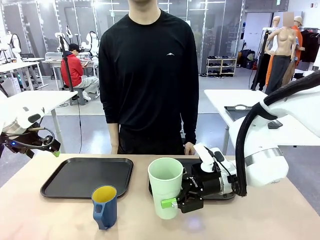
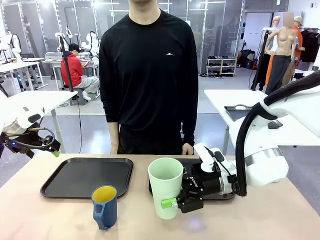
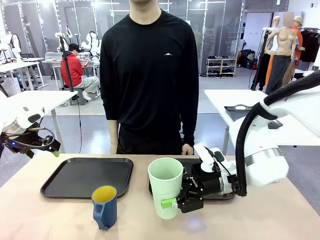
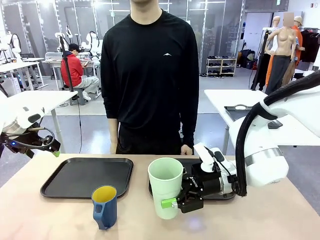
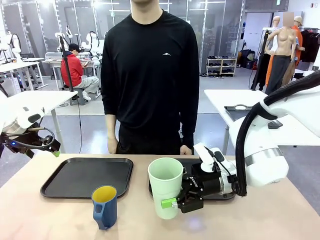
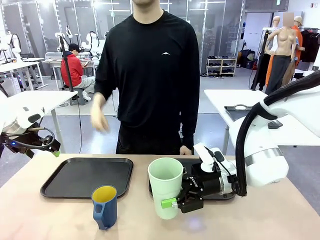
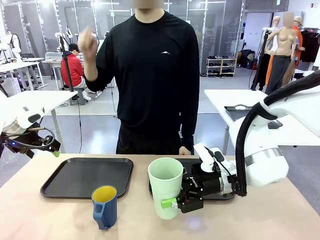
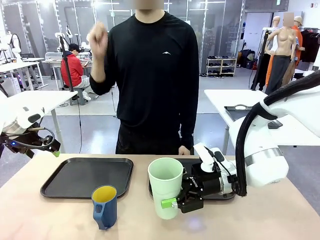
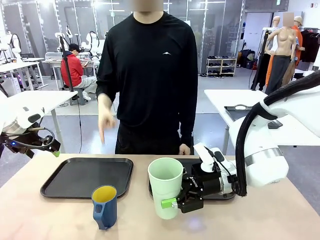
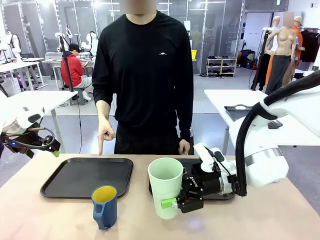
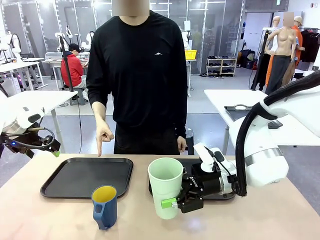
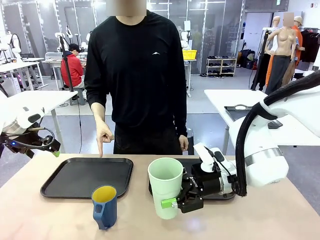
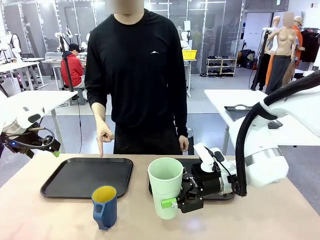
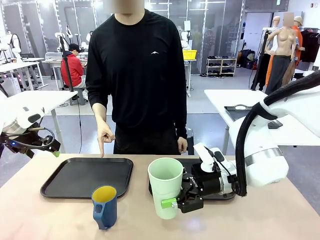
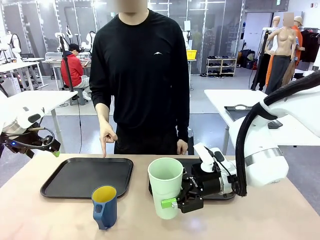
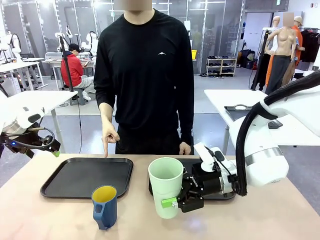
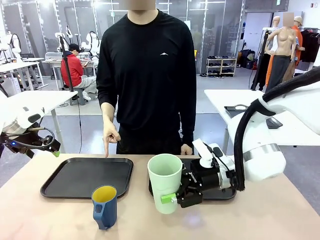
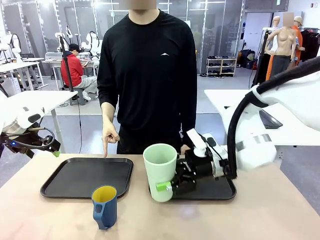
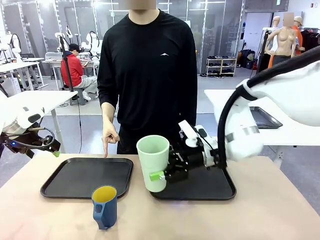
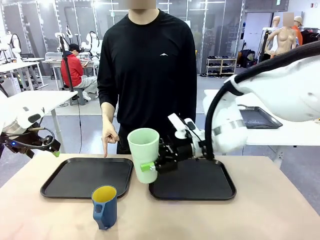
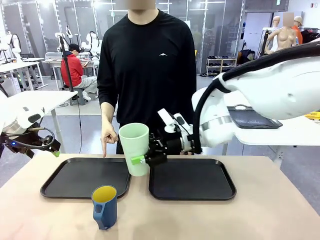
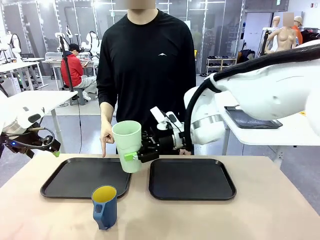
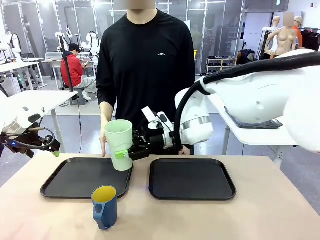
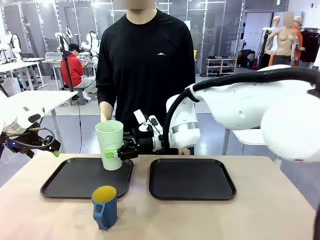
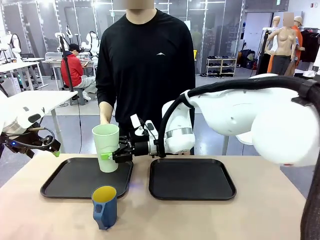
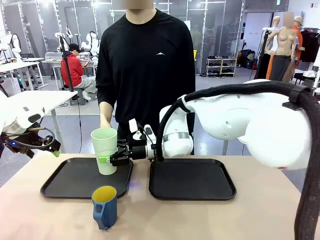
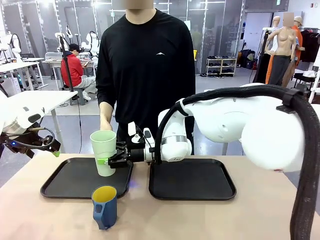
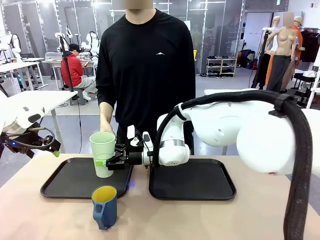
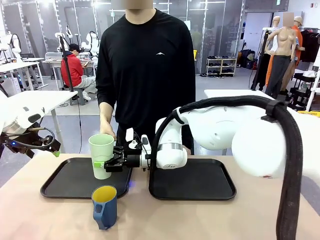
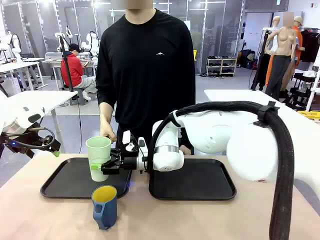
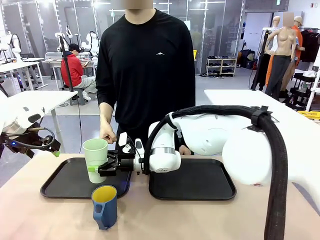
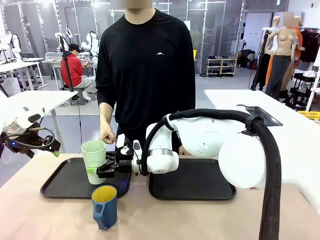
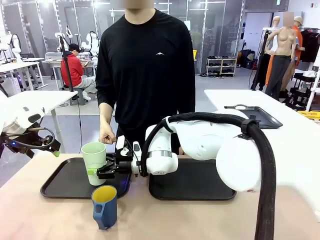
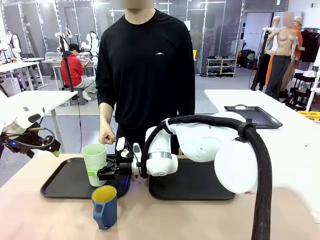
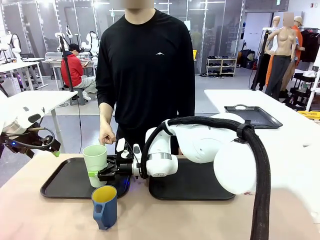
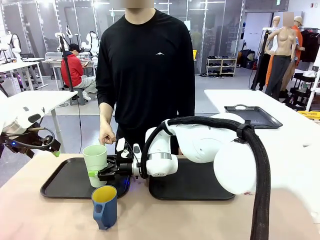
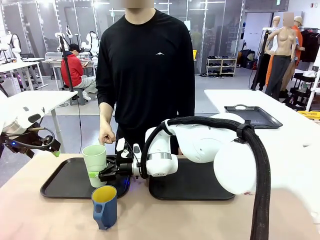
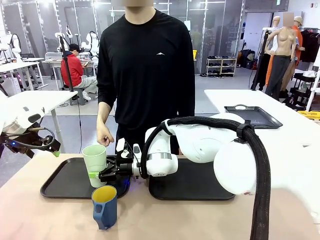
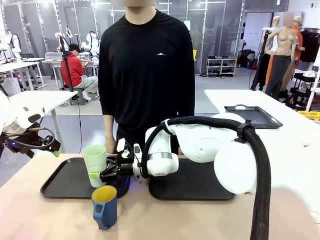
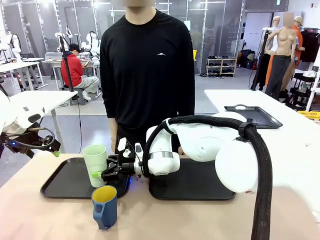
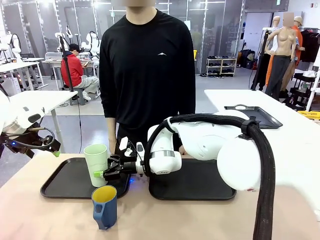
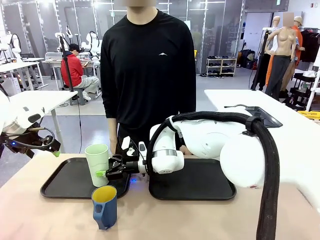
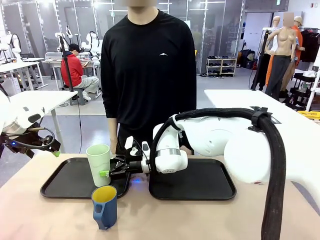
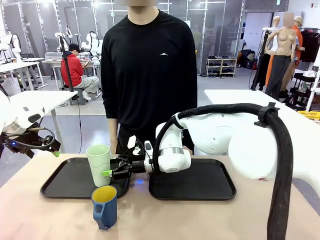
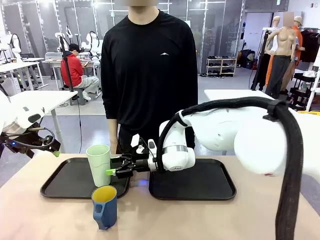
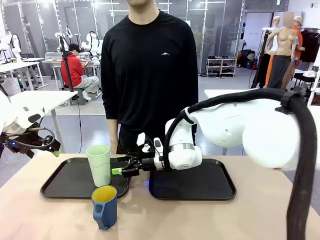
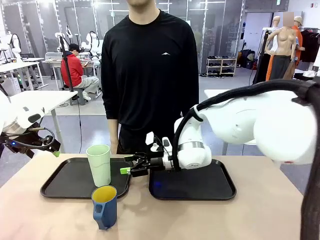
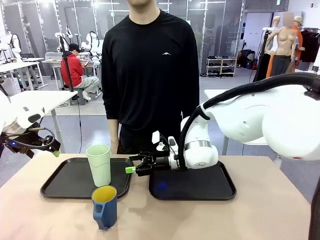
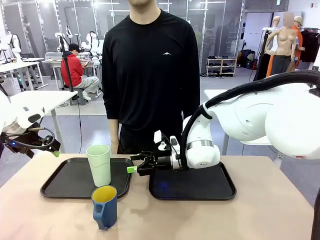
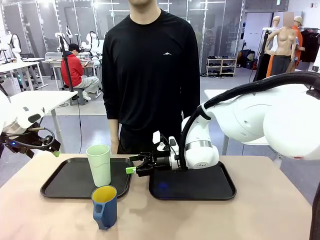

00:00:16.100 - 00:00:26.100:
Task: Sort and store the cups by type.
Robot: Place the picked Reusable plastic cup into the Flat Tray indicated by the person.

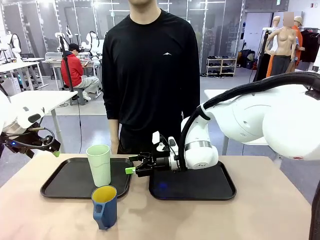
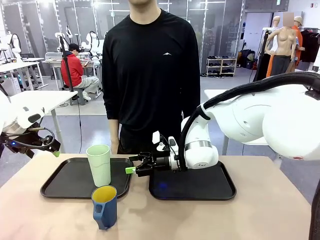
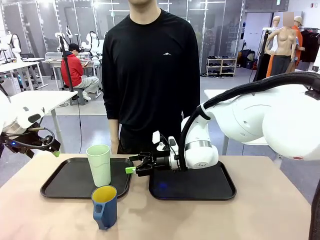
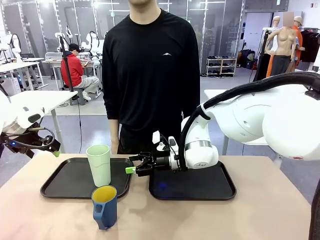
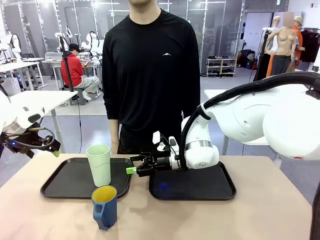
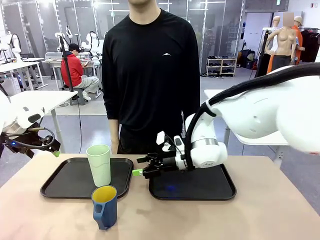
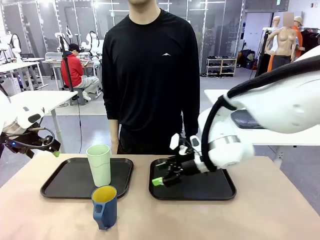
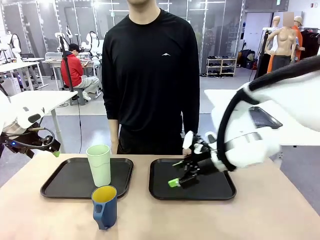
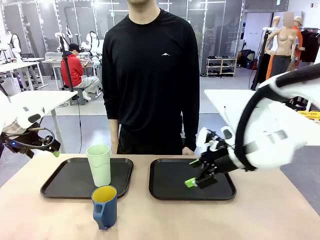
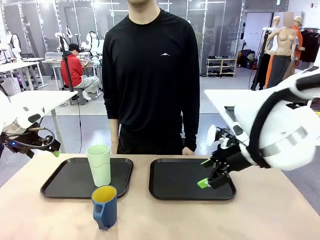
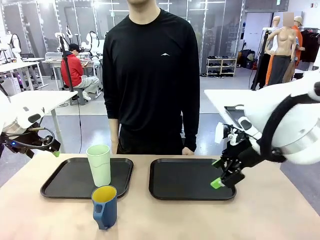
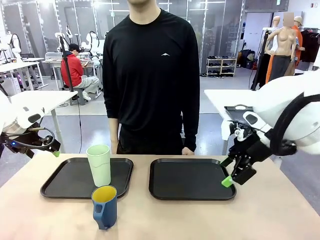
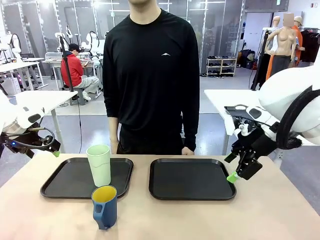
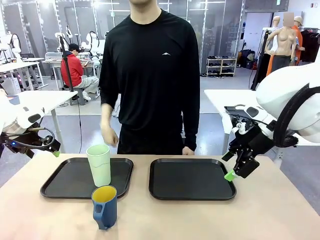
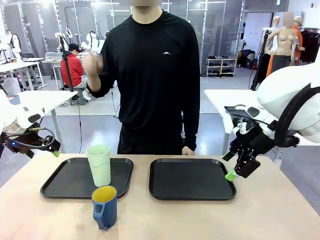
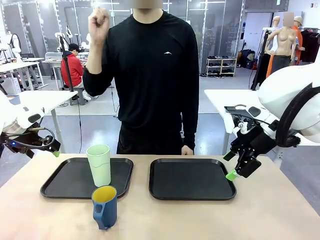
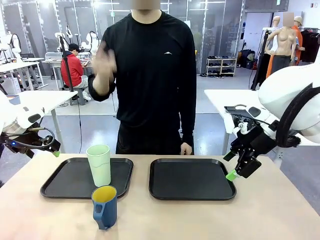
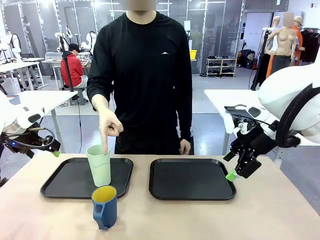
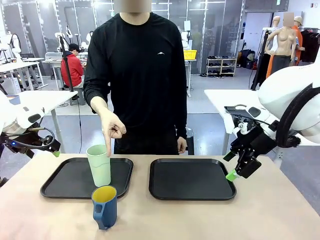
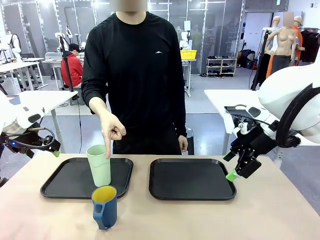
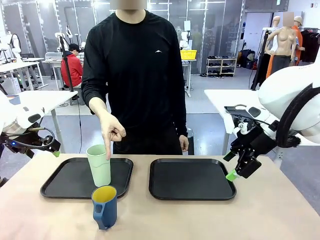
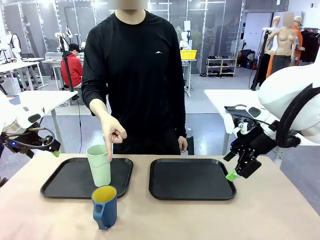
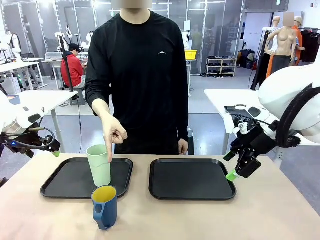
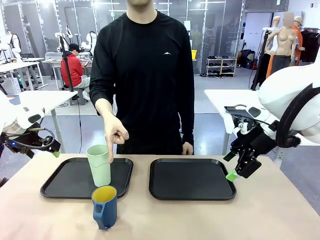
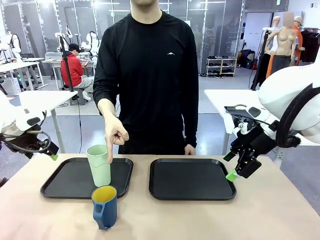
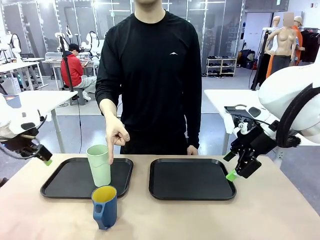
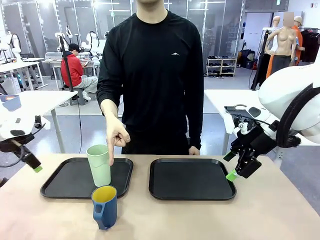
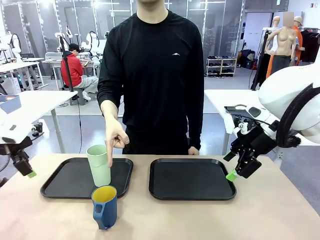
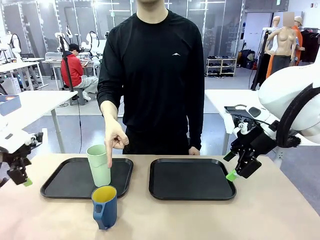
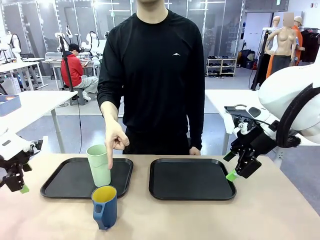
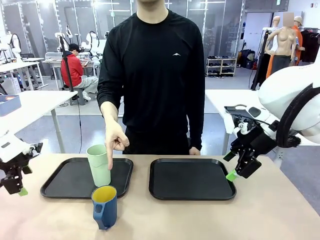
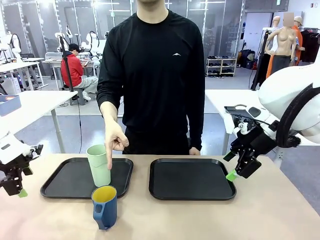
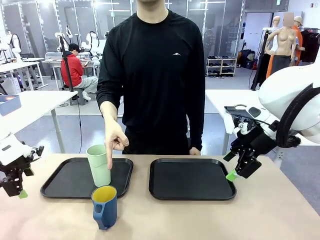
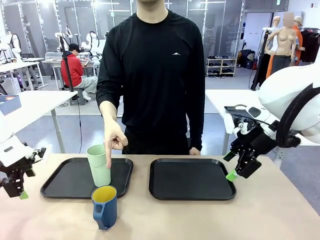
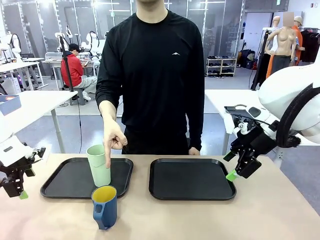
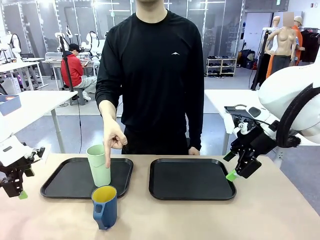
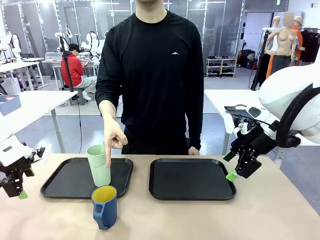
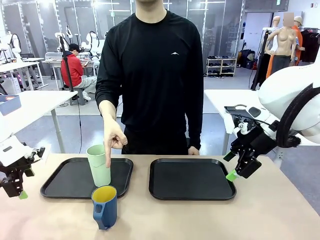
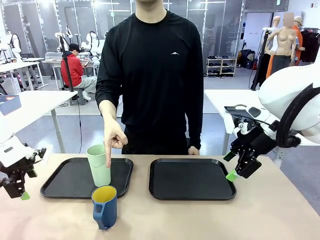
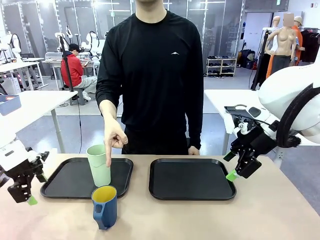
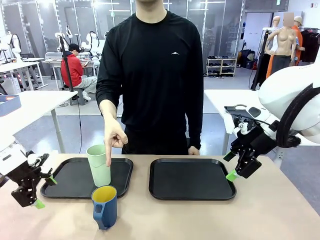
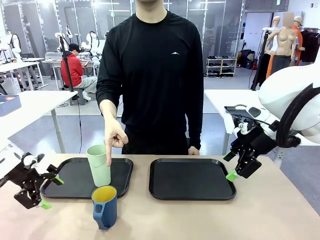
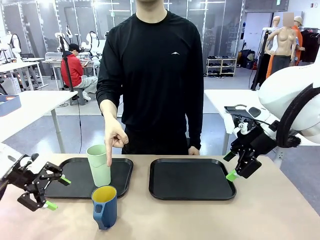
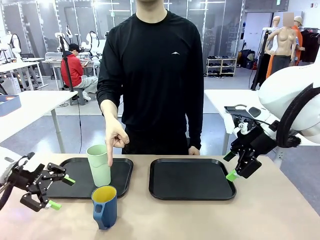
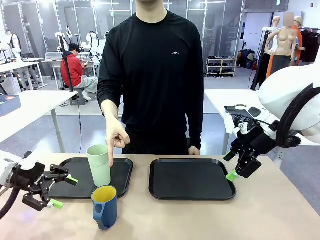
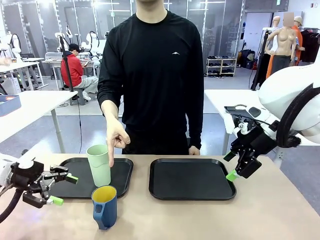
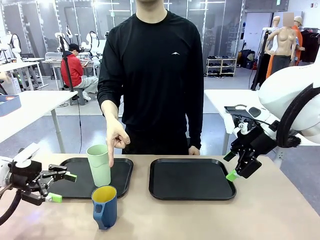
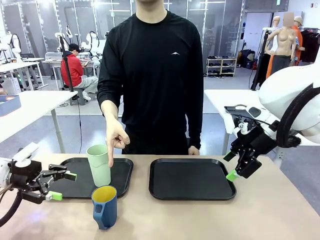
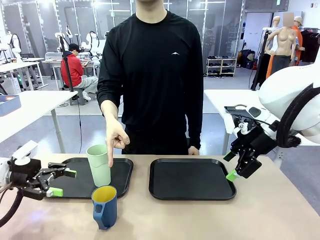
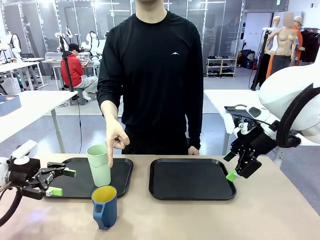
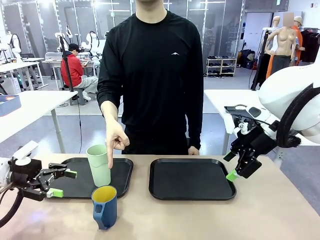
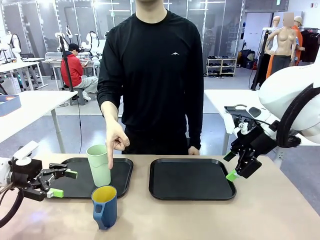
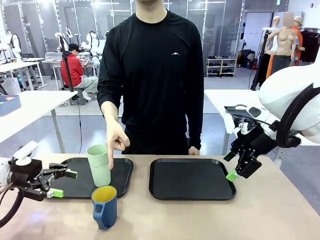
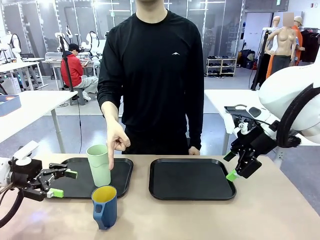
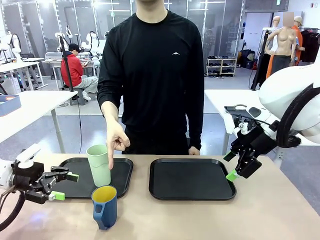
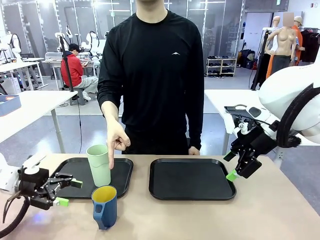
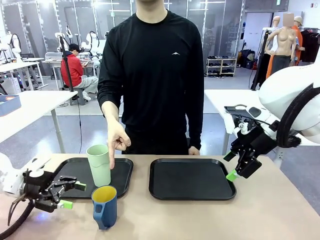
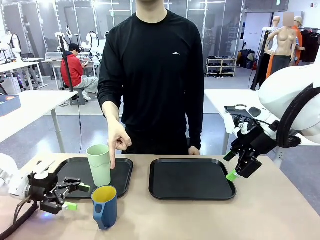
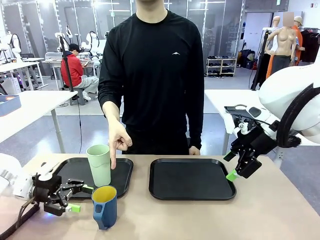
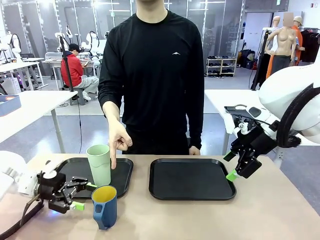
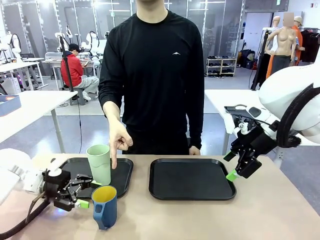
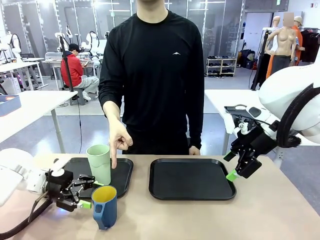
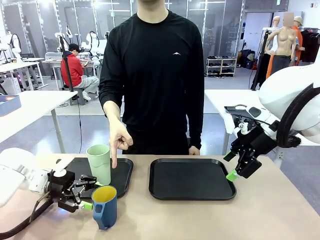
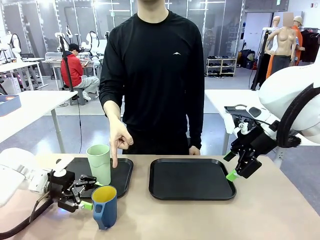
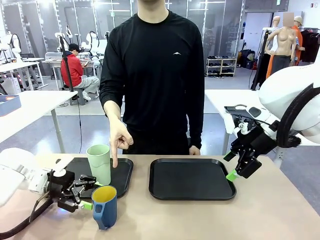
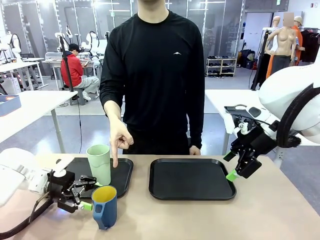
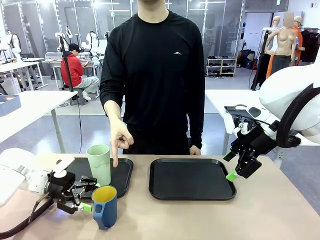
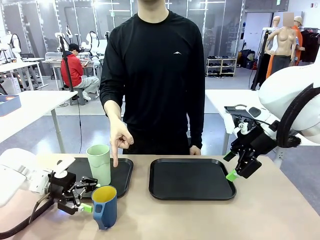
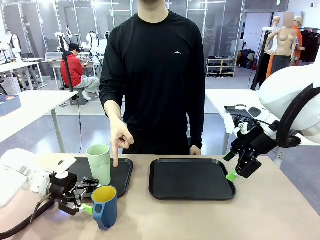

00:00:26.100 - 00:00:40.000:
Robot: Pick up the Handle plastic cup and place it into the empty Flat Tray.
